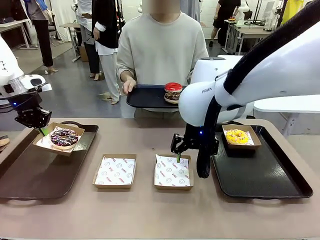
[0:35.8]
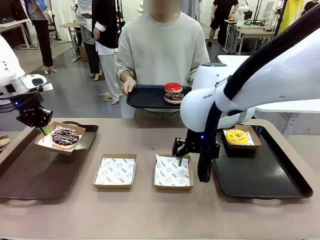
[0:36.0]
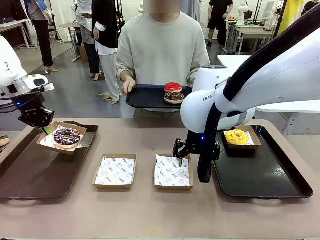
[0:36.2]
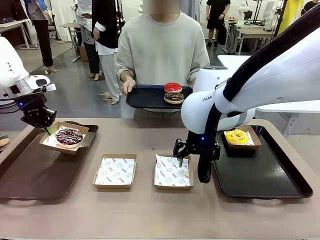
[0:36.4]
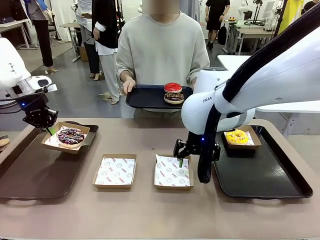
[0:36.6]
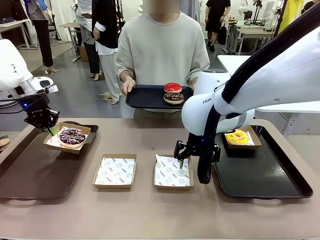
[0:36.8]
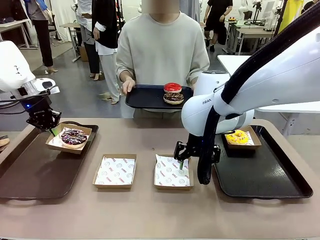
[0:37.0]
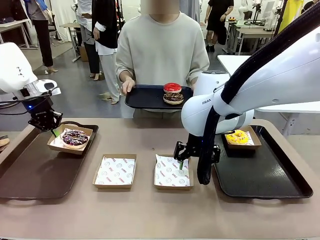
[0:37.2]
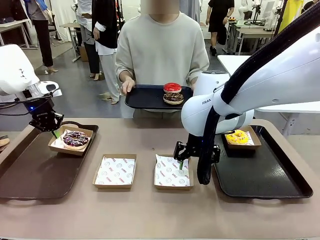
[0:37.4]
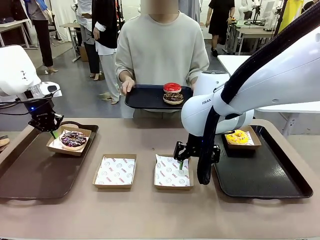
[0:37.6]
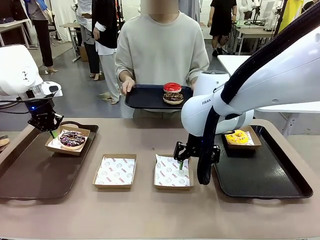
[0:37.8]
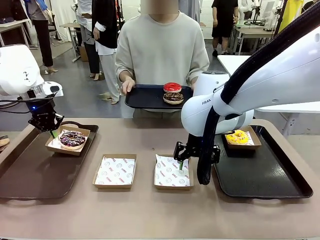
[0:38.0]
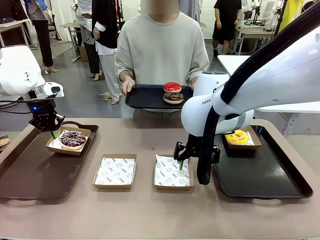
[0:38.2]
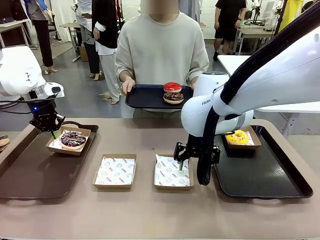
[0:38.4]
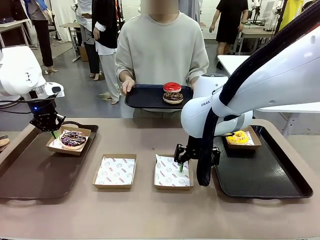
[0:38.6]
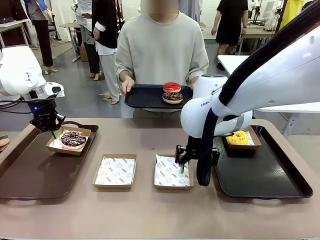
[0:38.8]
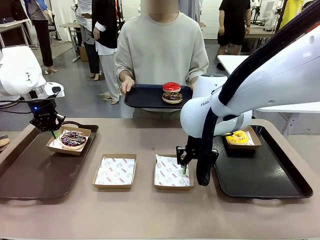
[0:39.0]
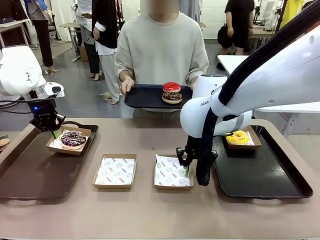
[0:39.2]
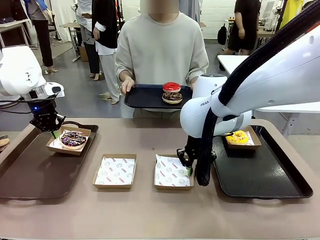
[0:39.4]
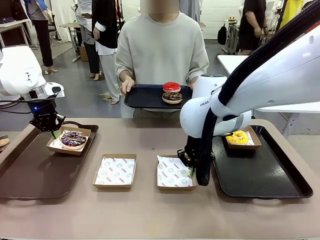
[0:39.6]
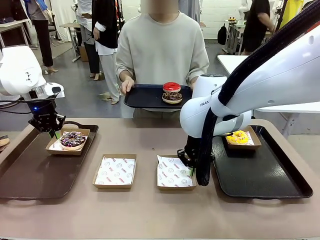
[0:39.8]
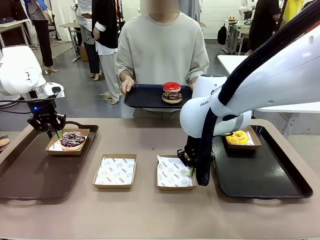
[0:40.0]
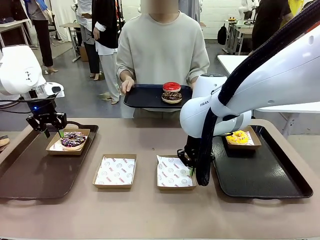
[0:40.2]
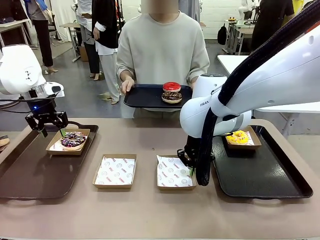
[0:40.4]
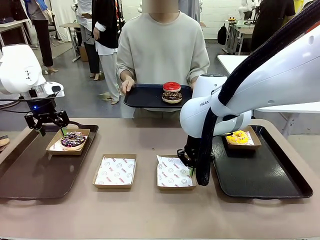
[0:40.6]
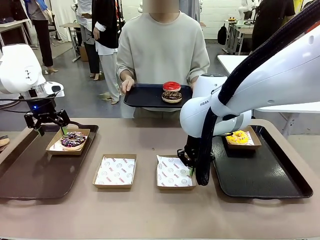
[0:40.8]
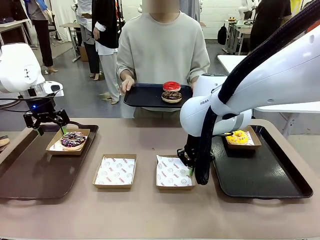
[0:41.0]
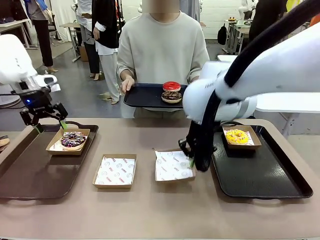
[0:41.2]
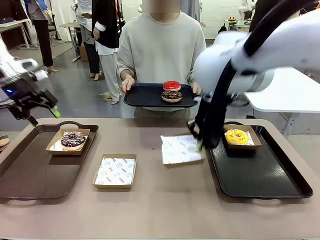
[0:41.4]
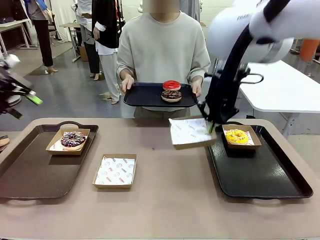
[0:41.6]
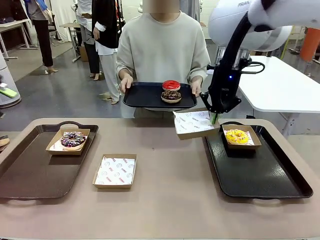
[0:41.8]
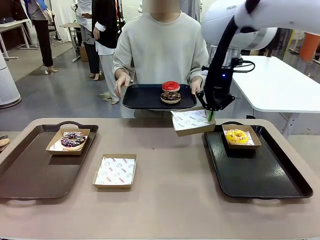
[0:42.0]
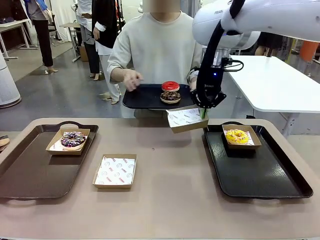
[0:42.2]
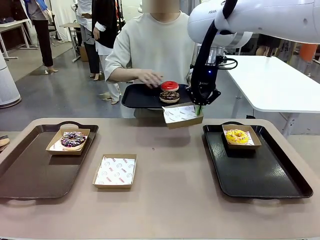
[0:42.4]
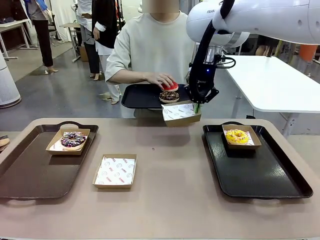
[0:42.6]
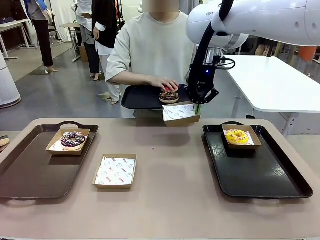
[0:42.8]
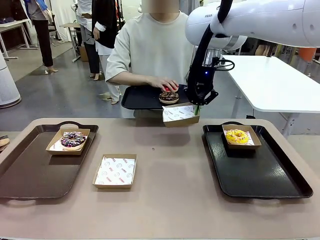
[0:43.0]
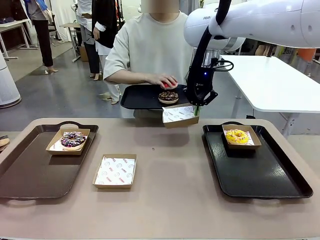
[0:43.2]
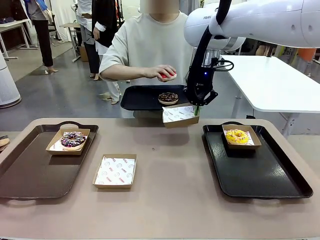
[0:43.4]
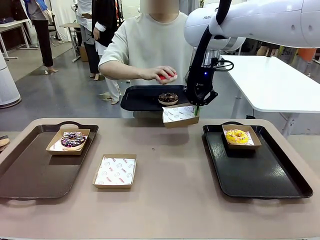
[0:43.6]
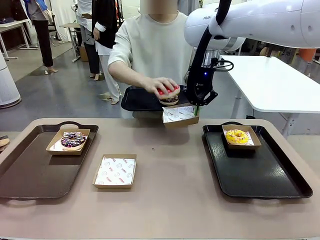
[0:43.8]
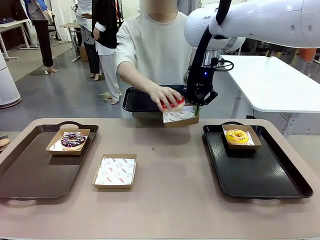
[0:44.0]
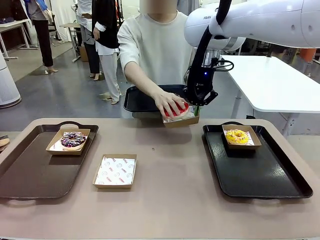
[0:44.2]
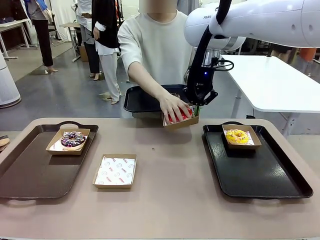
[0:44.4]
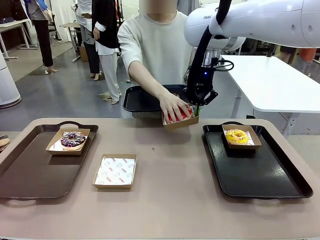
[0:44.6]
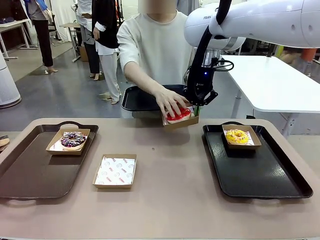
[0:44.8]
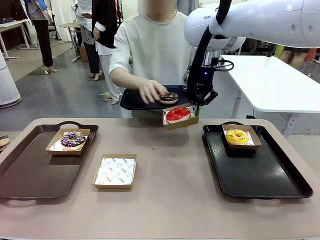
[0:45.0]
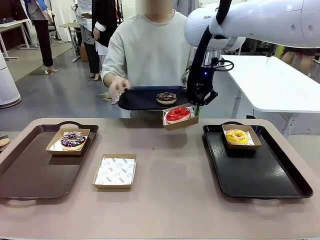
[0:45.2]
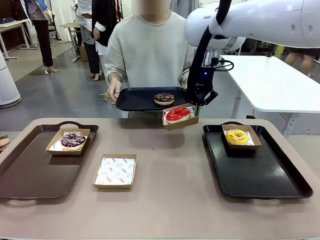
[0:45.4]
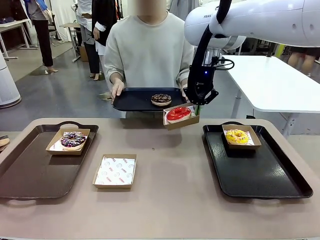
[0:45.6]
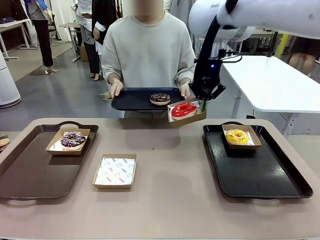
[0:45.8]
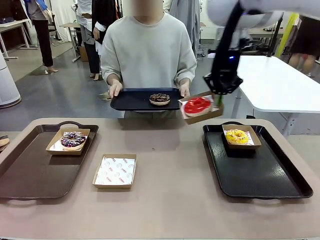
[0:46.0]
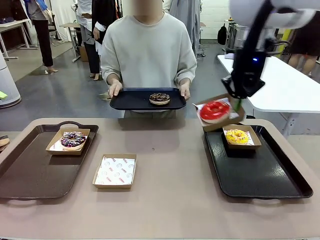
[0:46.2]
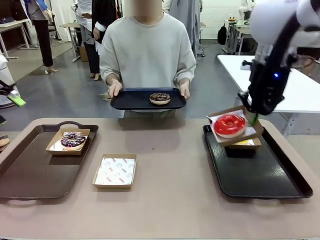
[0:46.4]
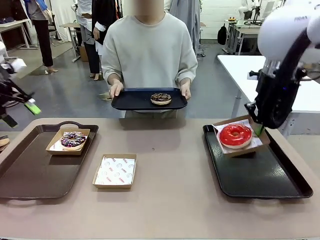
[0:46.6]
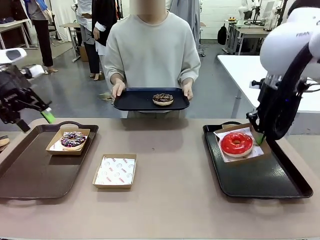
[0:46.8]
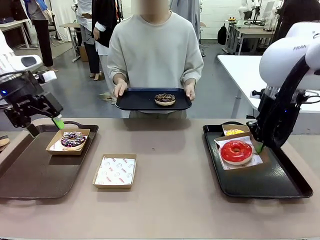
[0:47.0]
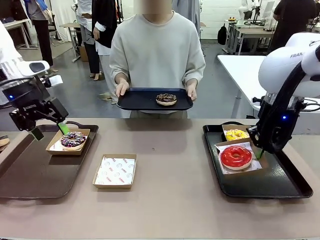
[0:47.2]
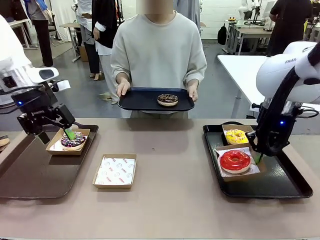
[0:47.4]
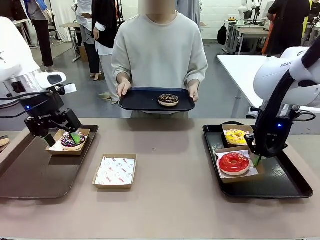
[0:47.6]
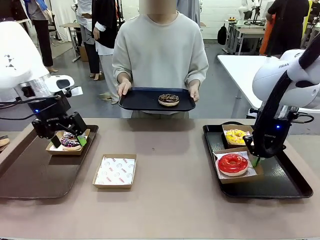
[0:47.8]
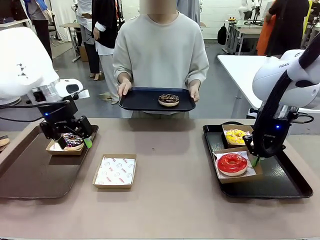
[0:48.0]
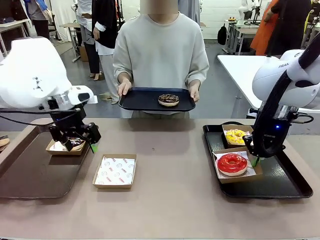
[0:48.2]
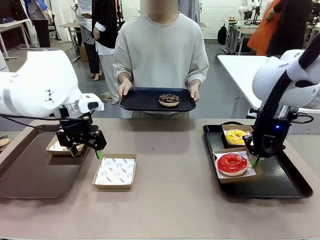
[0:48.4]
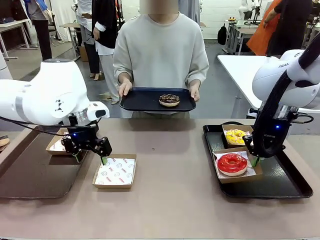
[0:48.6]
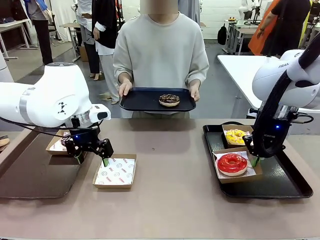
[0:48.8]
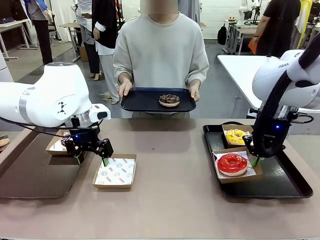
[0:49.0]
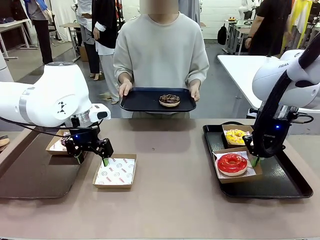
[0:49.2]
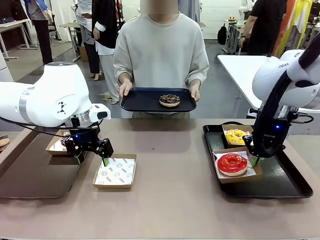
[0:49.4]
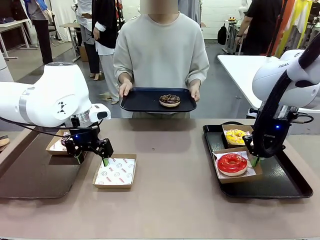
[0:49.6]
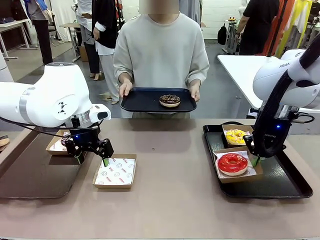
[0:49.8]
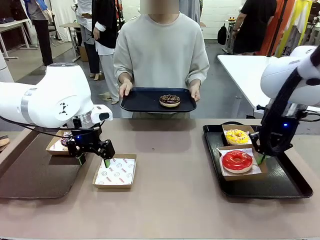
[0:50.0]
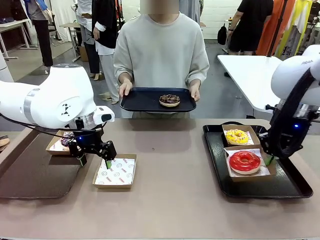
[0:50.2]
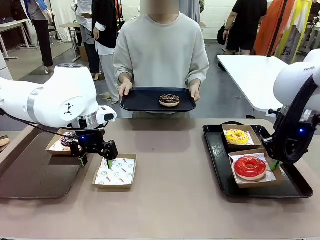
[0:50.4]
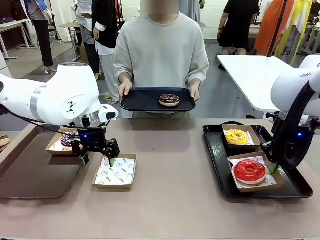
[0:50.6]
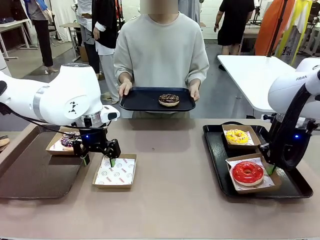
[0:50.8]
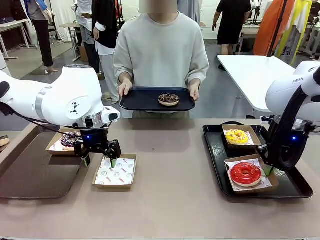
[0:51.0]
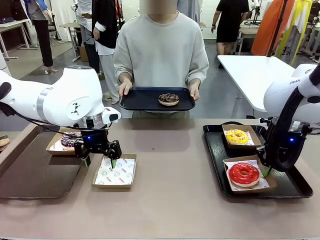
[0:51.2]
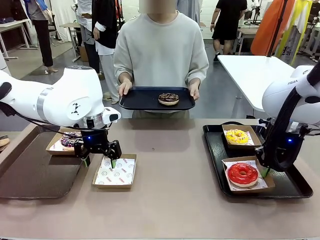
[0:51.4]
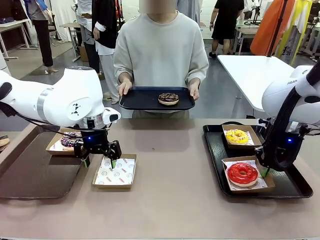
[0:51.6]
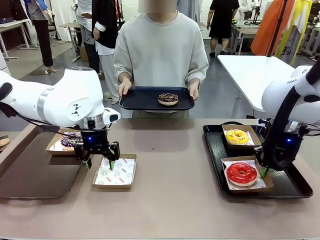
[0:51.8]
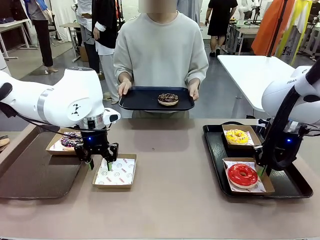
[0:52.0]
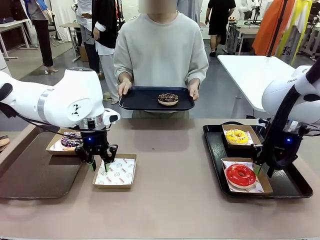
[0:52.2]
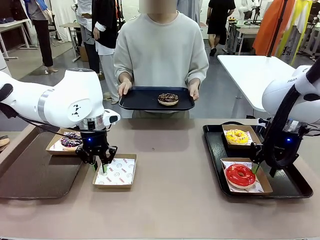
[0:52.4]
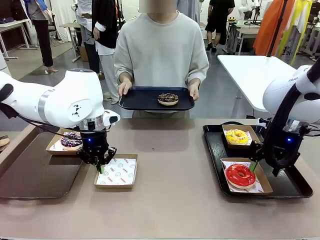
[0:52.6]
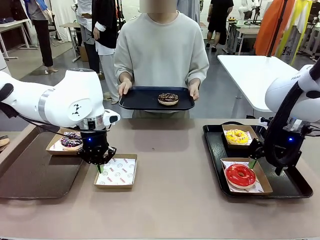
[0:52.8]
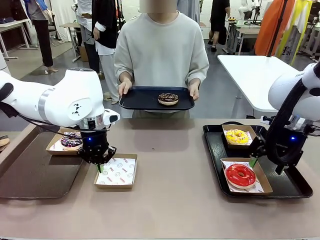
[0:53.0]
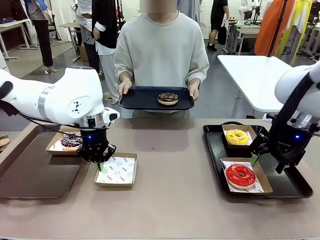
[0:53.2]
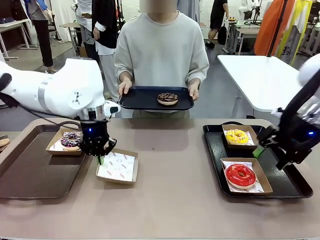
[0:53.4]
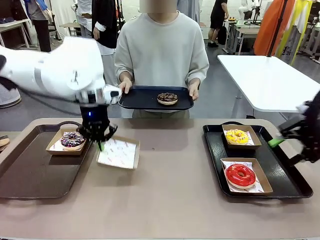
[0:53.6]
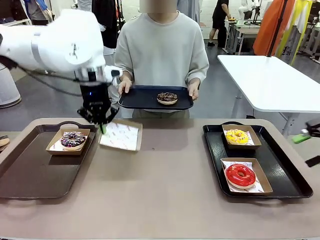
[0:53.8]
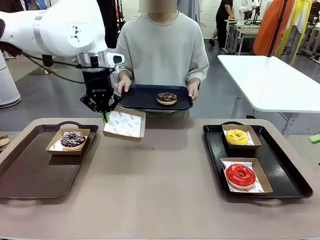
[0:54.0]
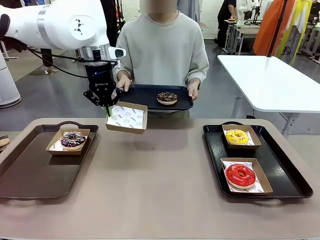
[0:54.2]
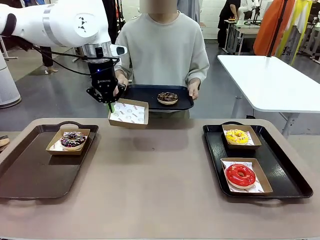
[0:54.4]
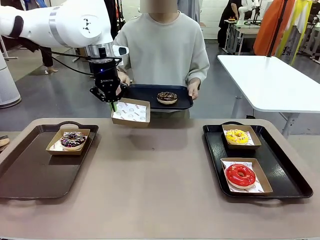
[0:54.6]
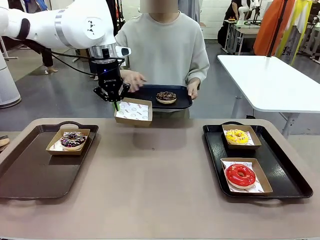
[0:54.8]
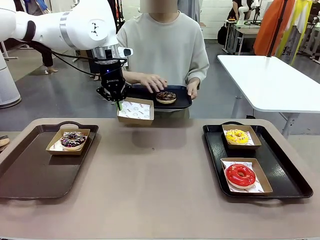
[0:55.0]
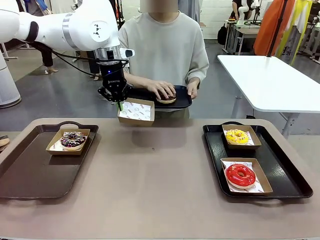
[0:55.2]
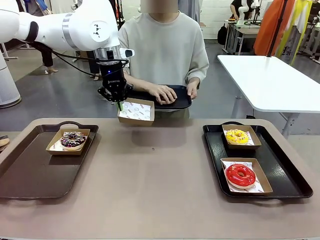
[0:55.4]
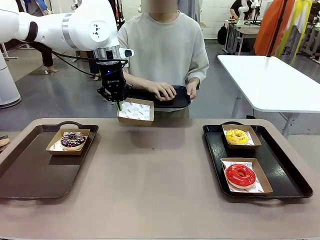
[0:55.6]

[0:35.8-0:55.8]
Task: Individually package the donuts and arrange them on the tray.
Robot: Place the picked Paper togo box on the Handle tray while simultaneously picking up another Paper togo box from the table with the other hand.
